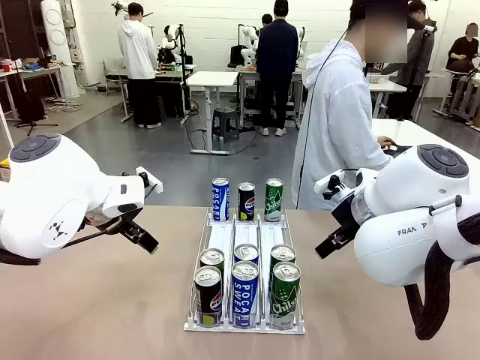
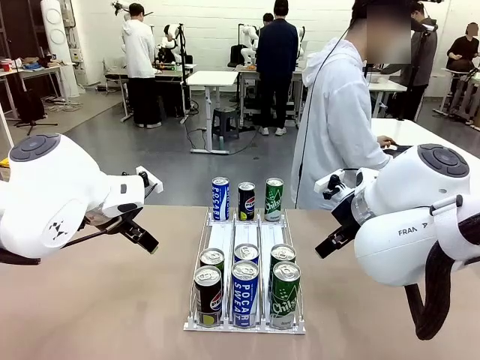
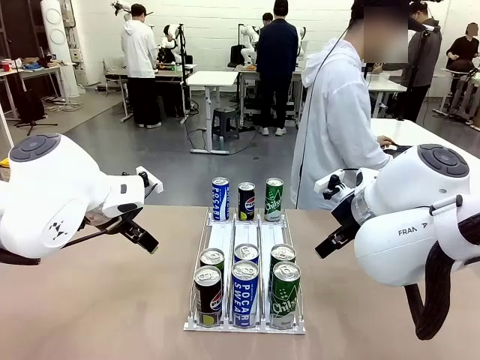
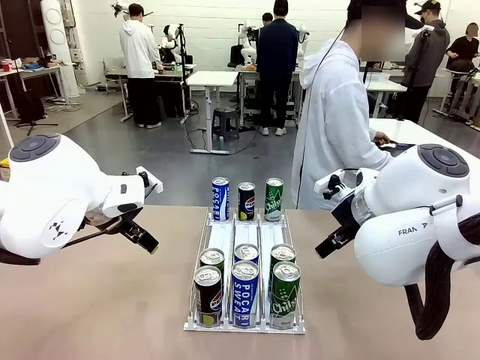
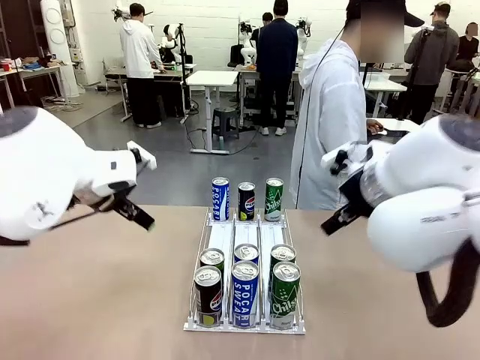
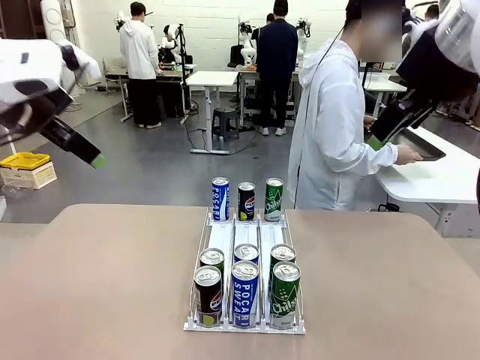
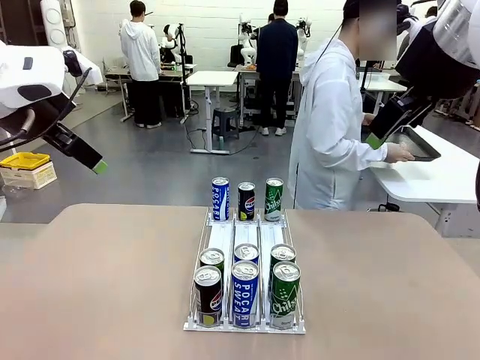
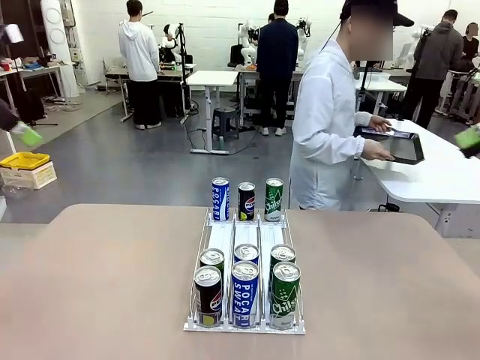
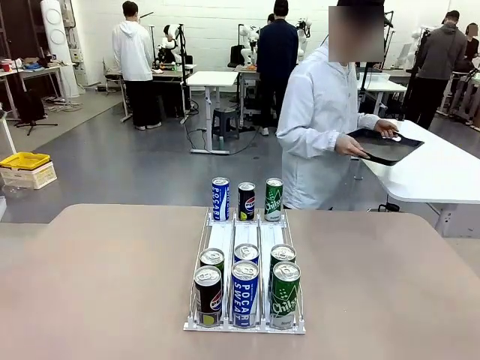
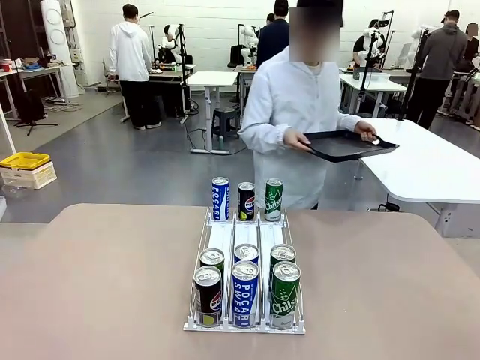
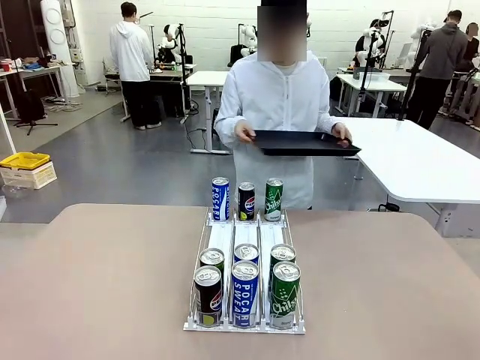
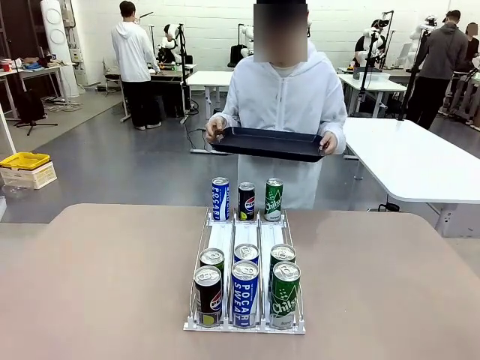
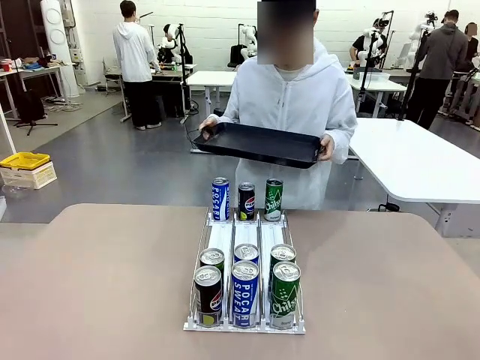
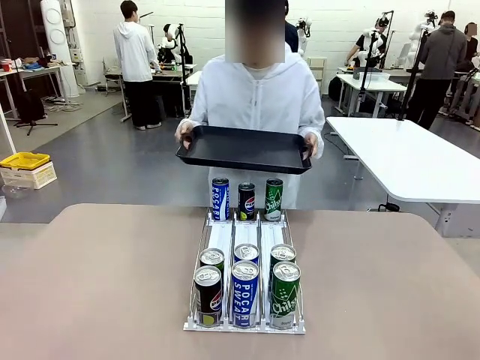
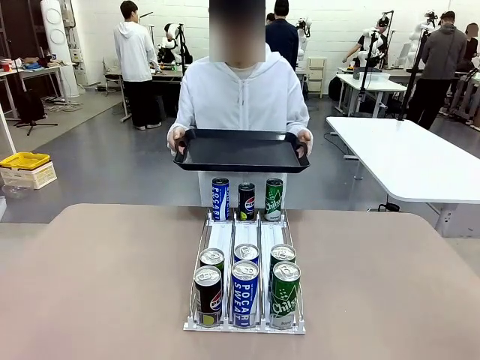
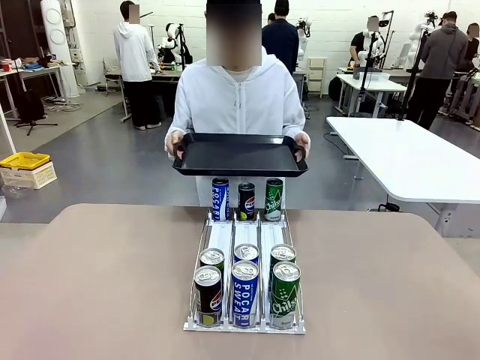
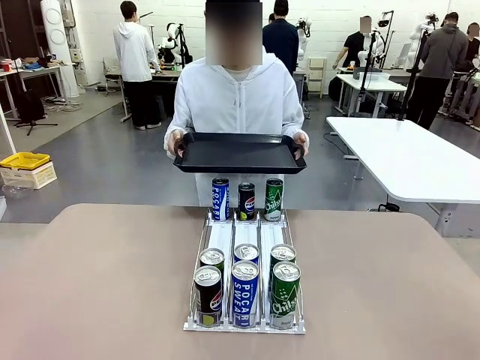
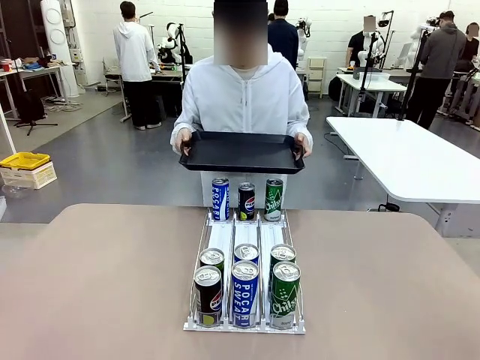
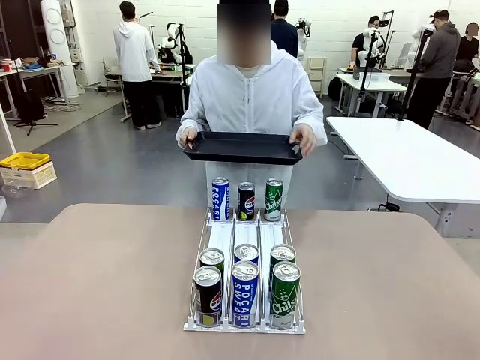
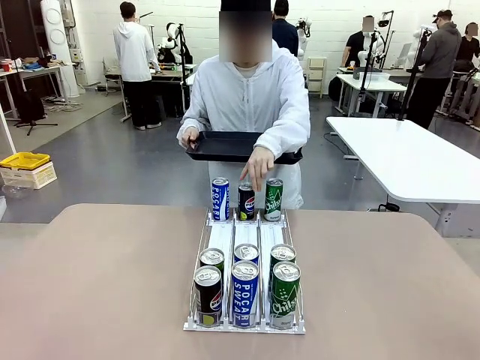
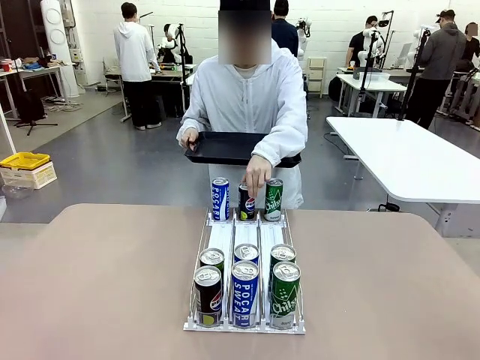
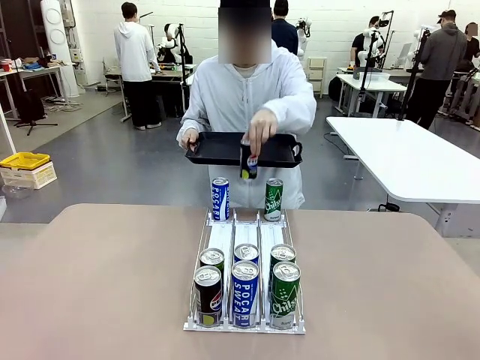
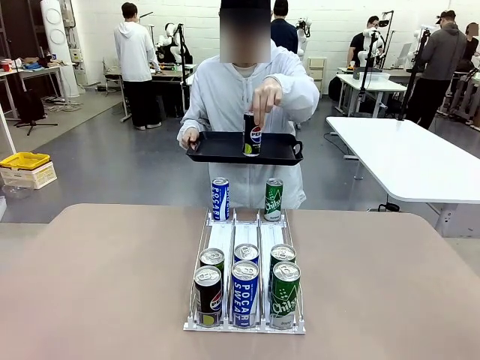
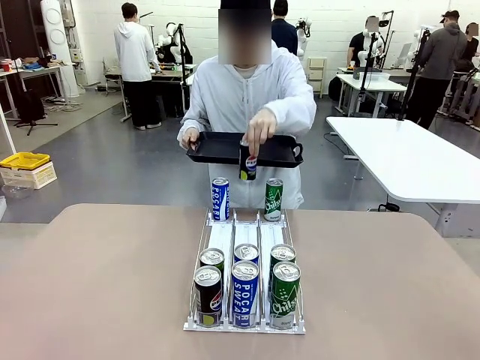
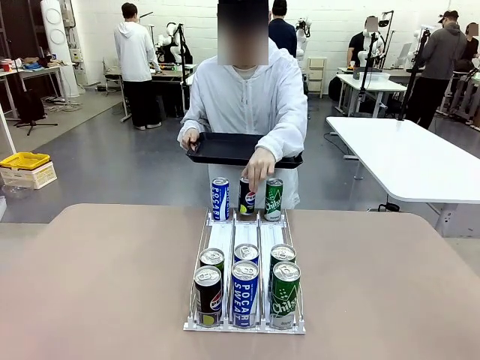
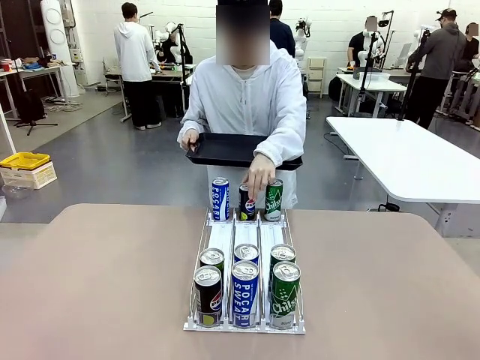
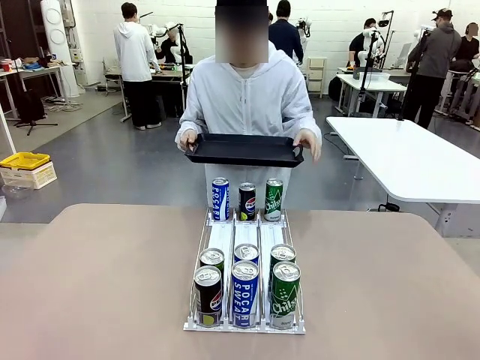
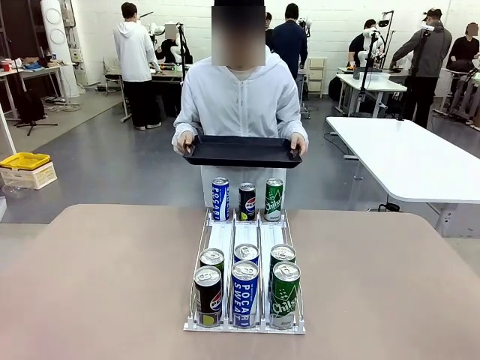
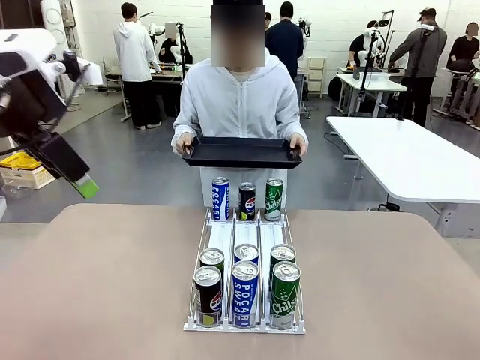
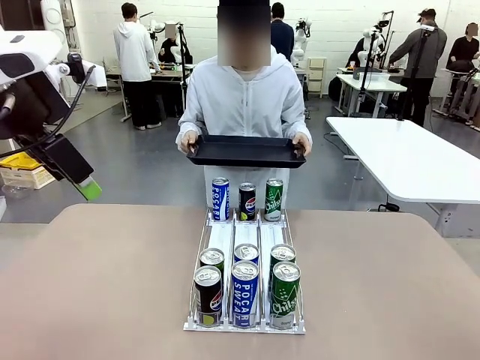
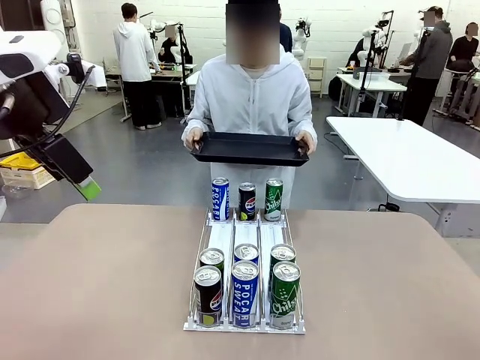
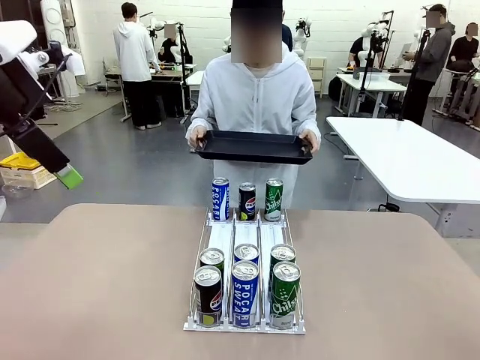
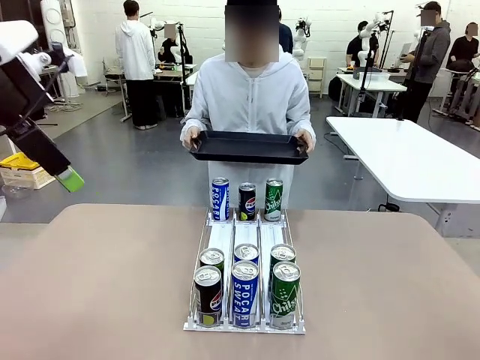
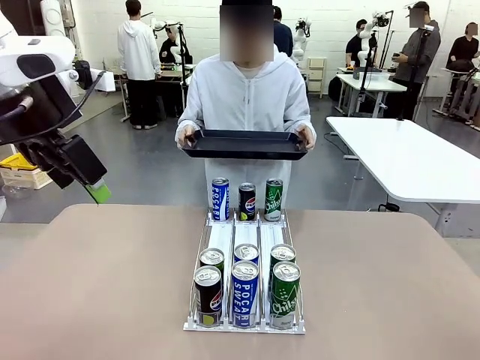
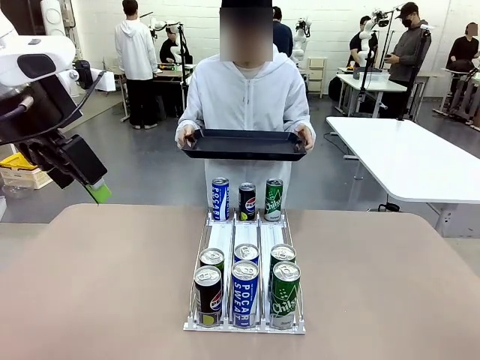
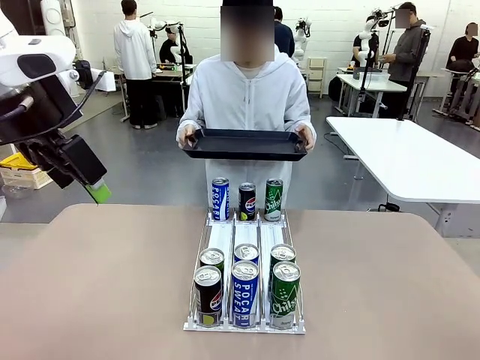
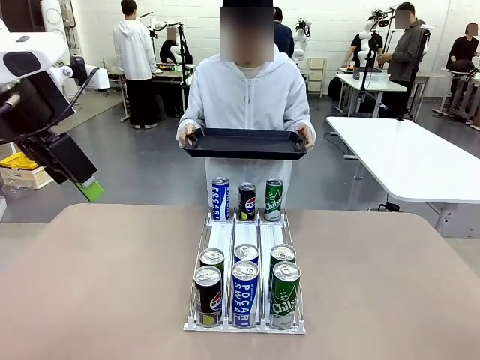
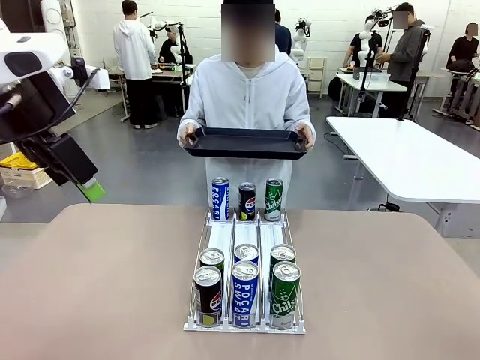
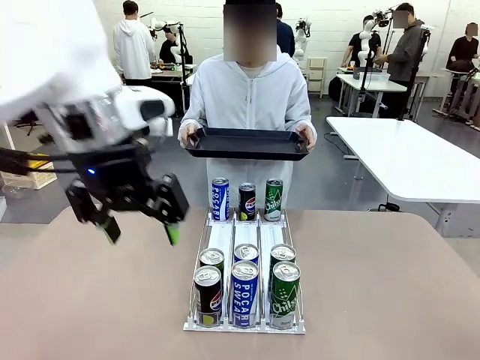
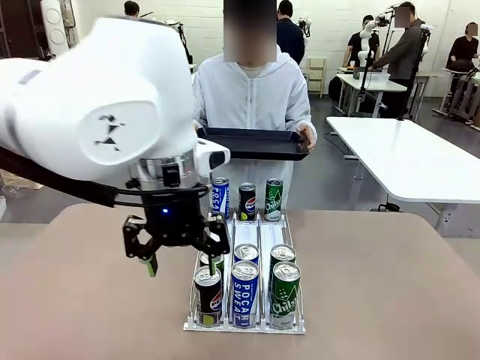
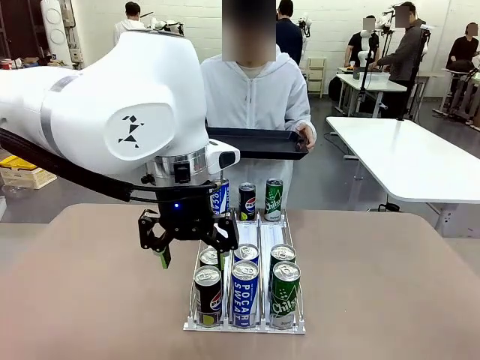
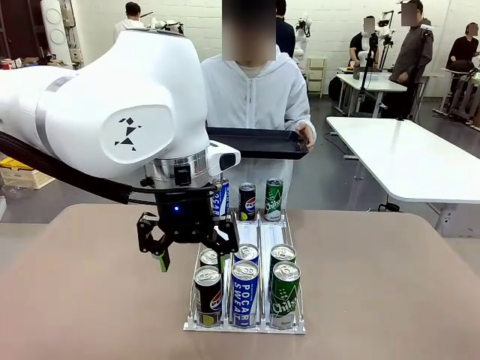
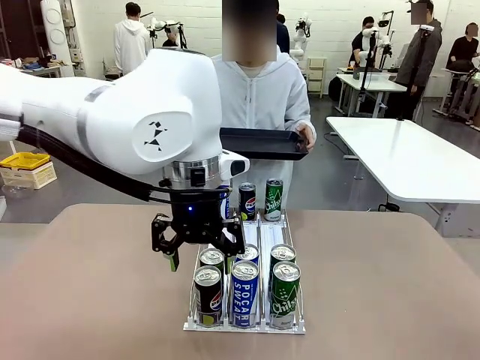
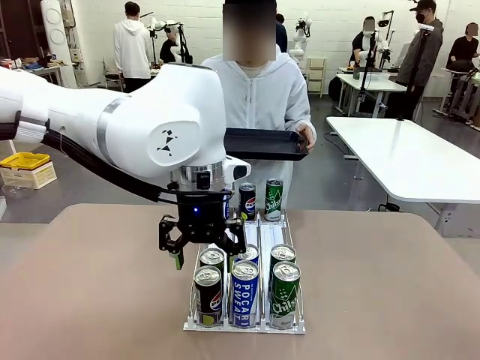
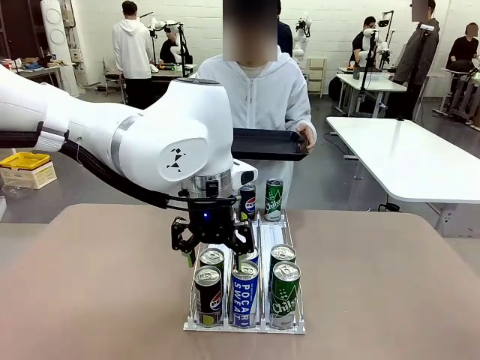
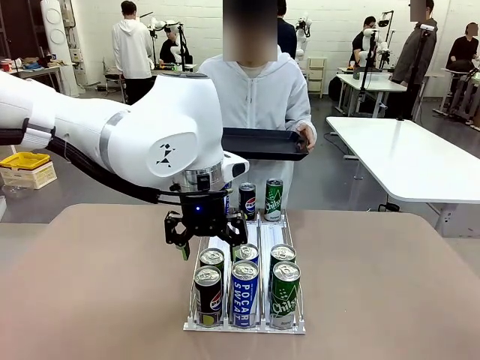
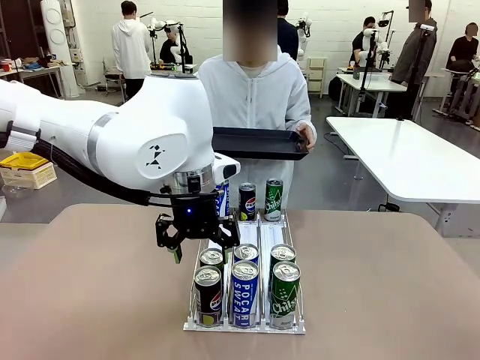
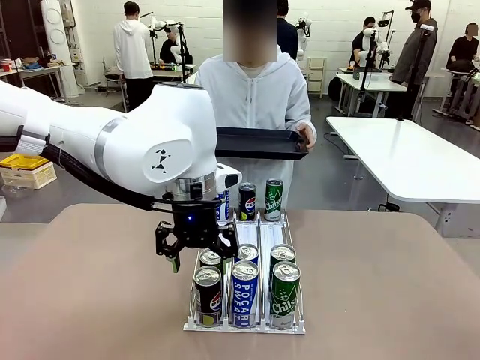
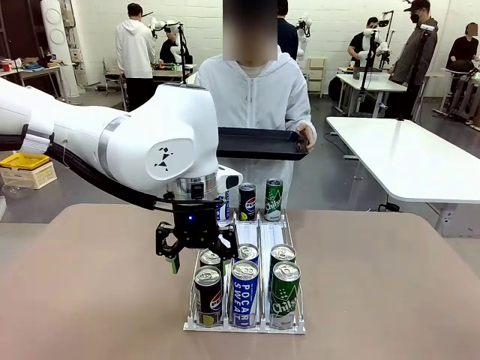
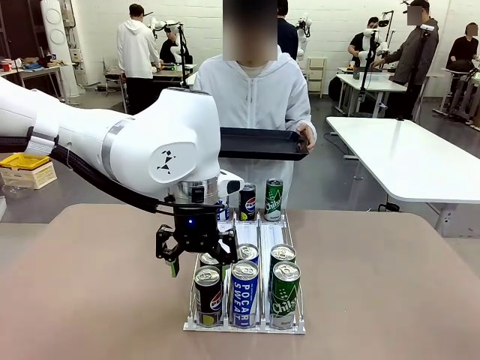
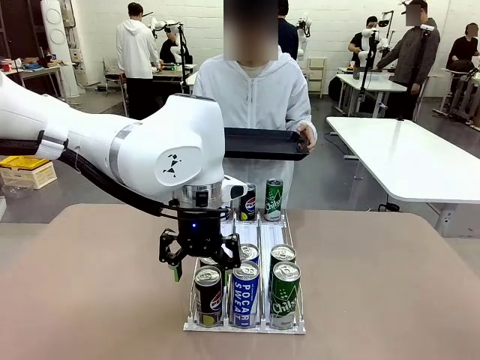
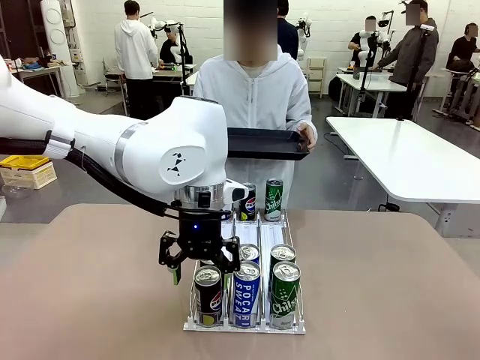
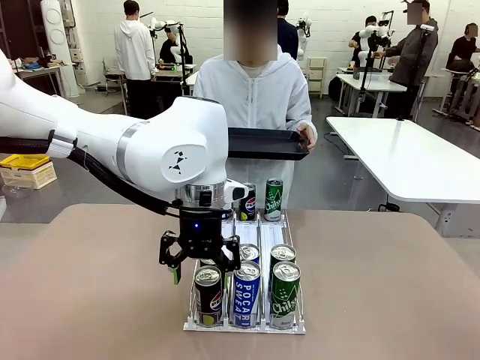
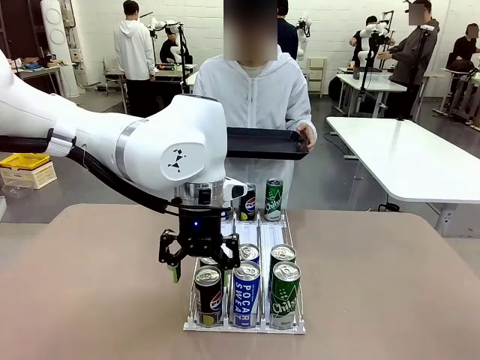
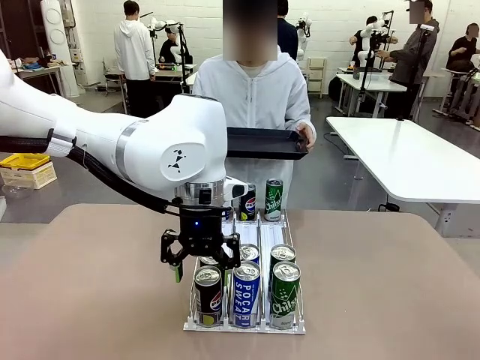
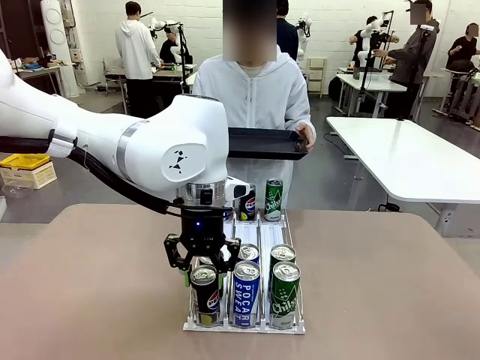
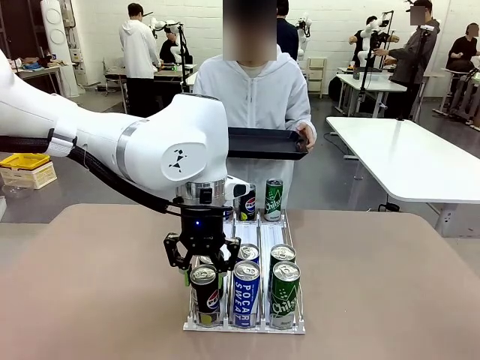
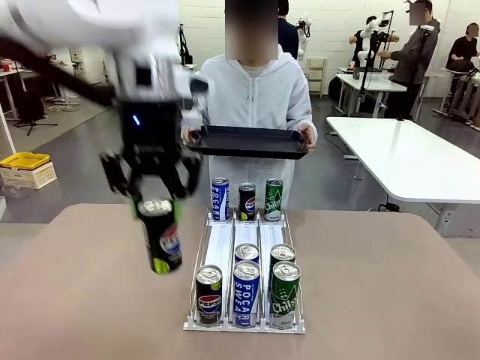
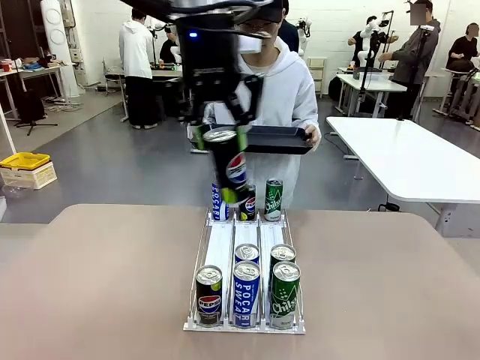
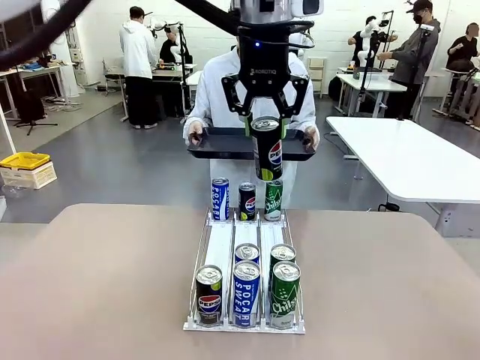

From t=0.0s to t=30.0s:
Task: Retrieve and hand over the desired beverage to the person.
Robot: Pick up a can of the same type that the person held from the Automatic Can Dispenser.
Person: Hold the tray and position yourself in front of the robot table. Pick up one can from the bottom area of the table and puts it back in its original place. Push the tray toward the robot.
